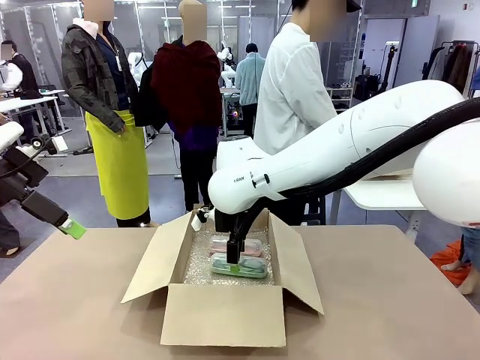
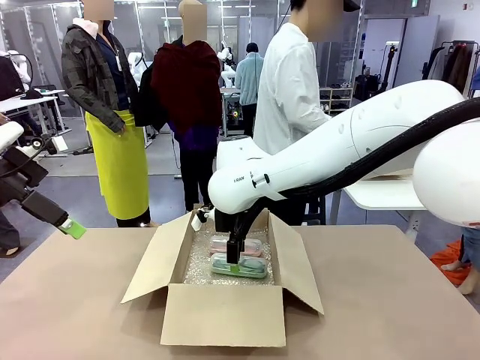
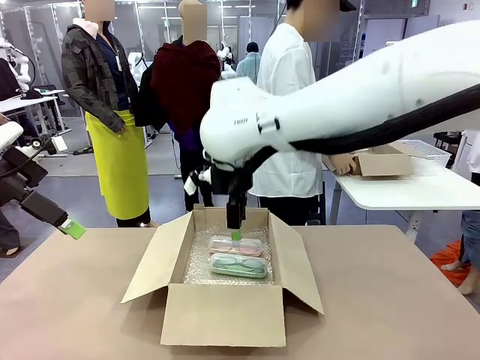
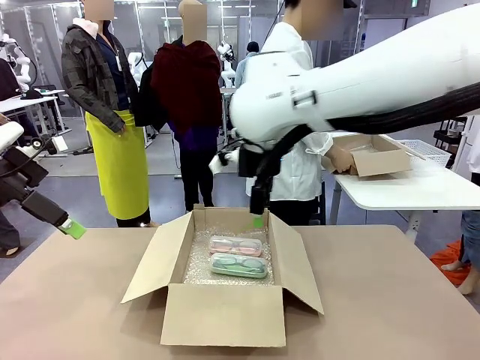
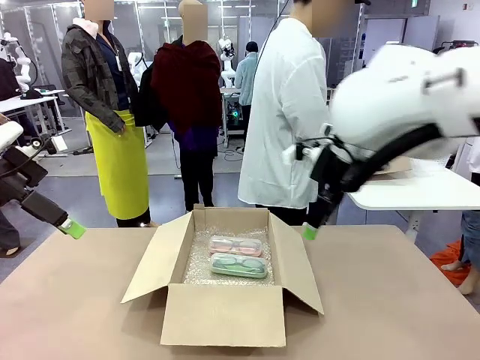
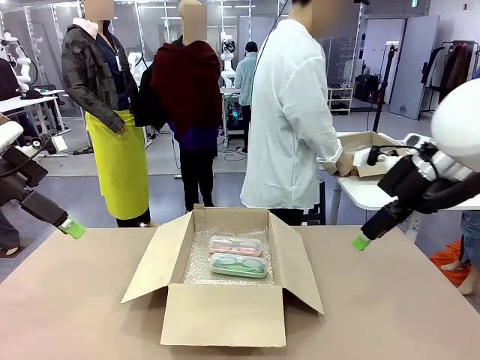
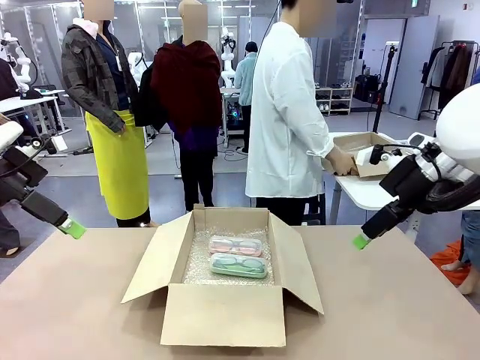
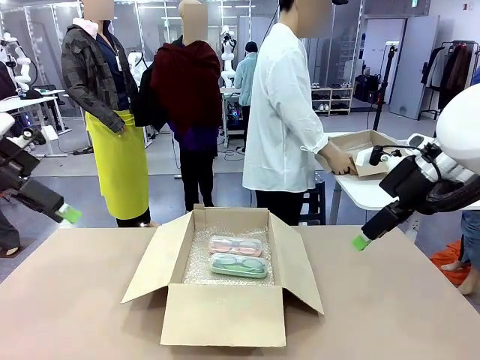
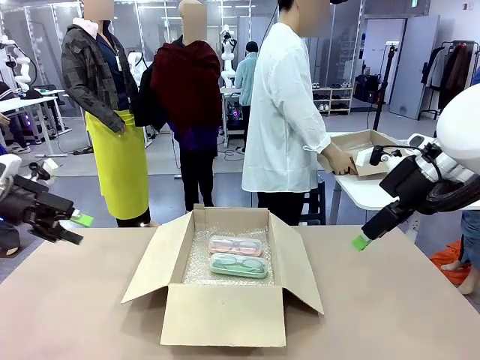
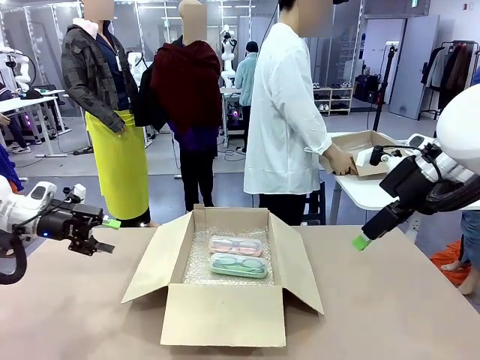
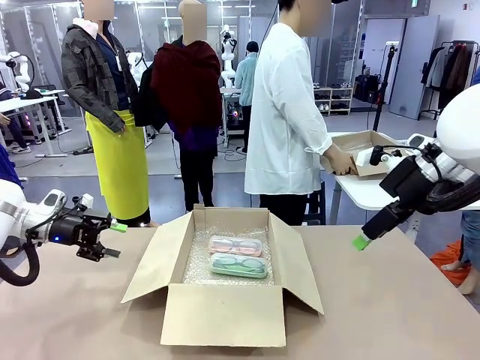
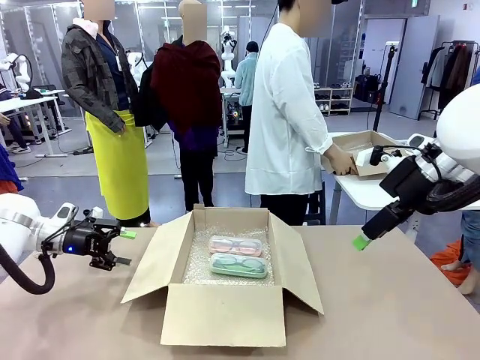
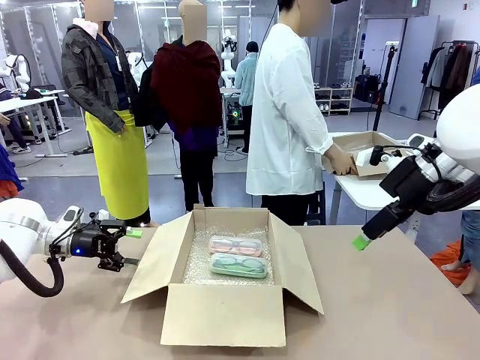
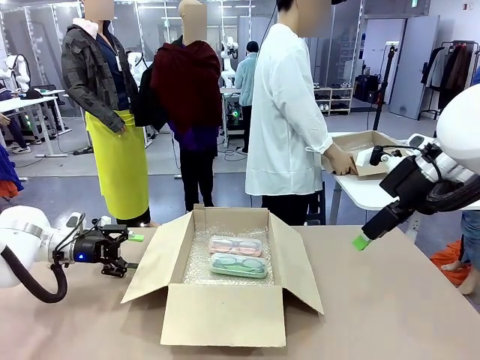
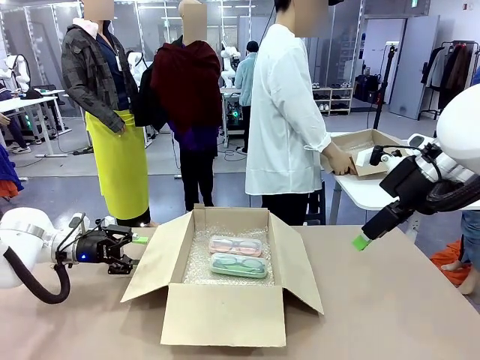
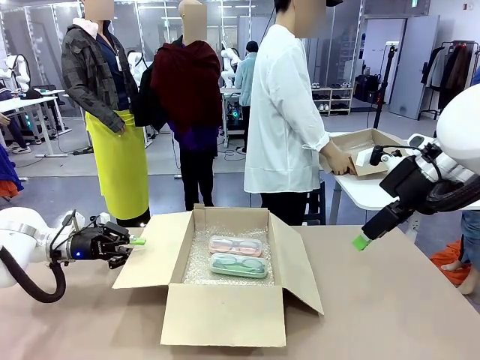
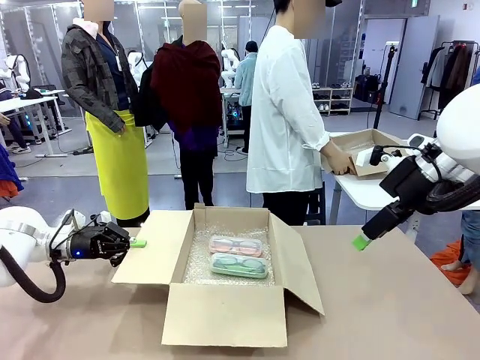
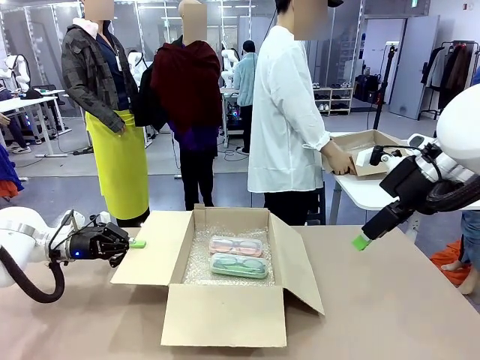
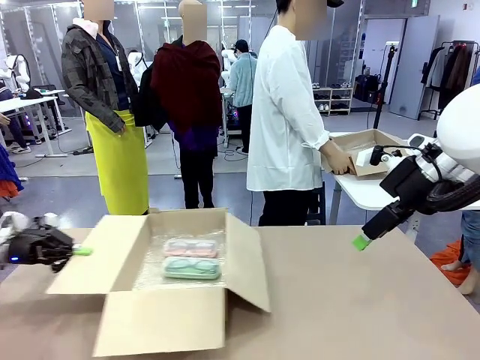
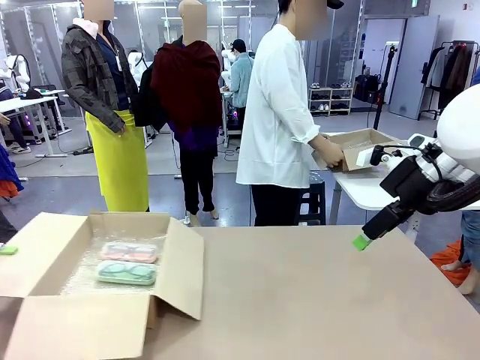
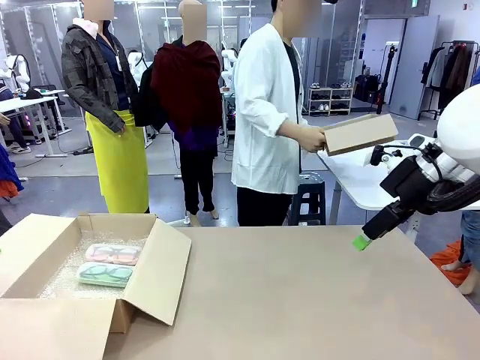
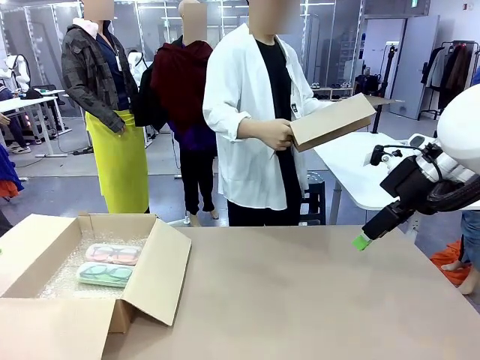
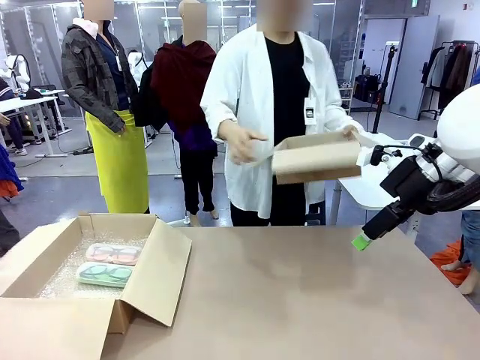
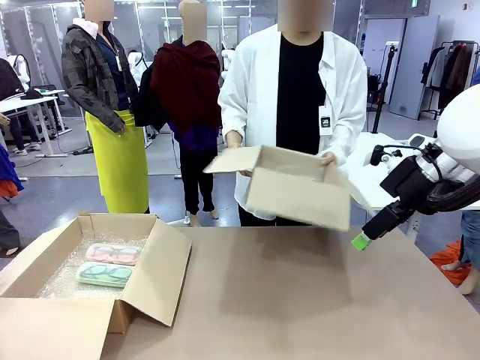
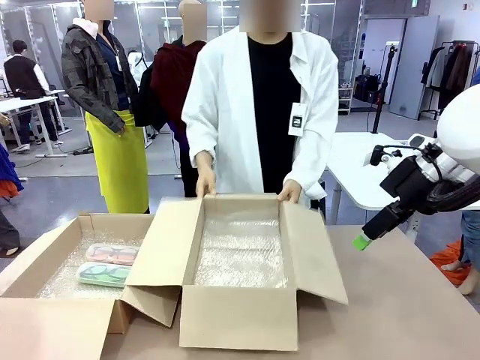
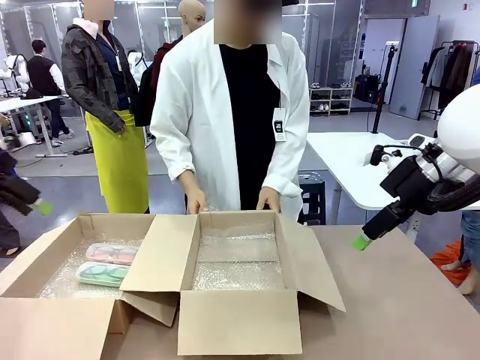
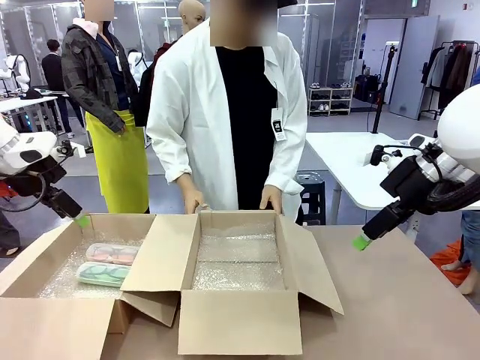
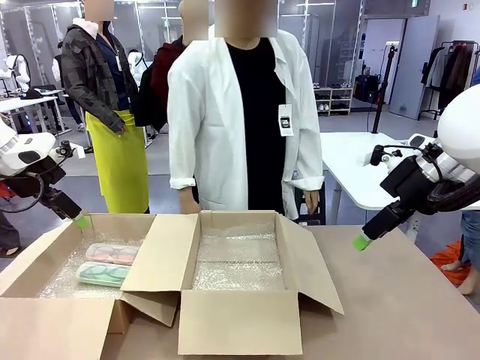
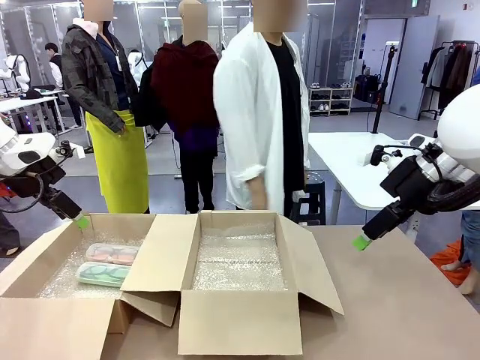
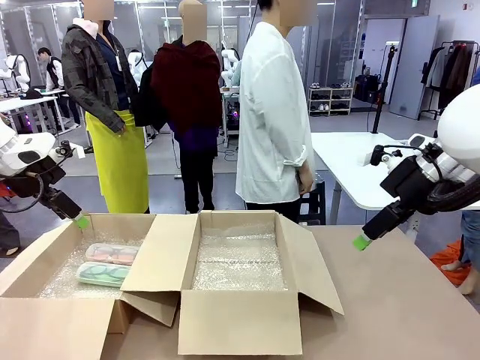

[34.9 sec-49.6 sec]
Task: Pack the glasses set securely to prepare it for shipping.
Robot: Position the Package Box on the left side of the table.
Person: Position the empty Package Box in the middle of the robot's table.

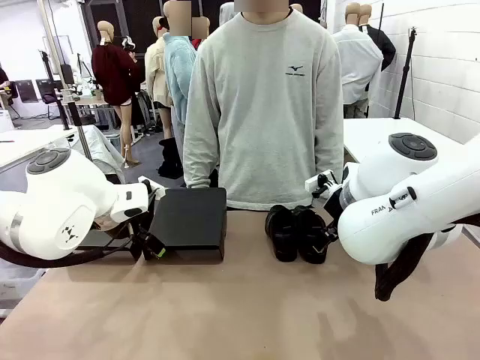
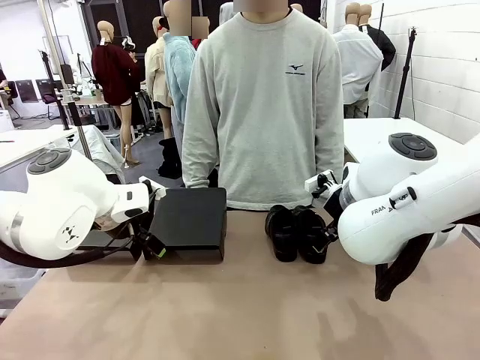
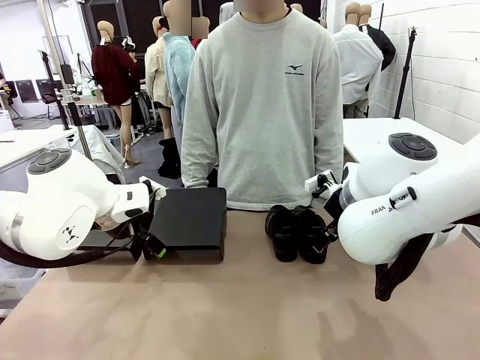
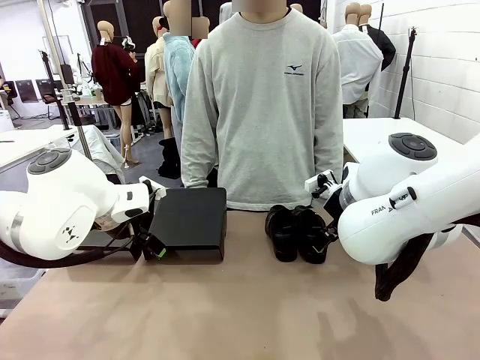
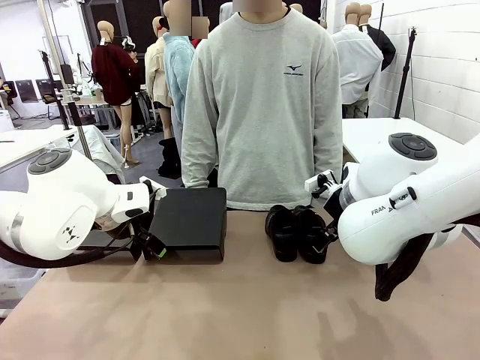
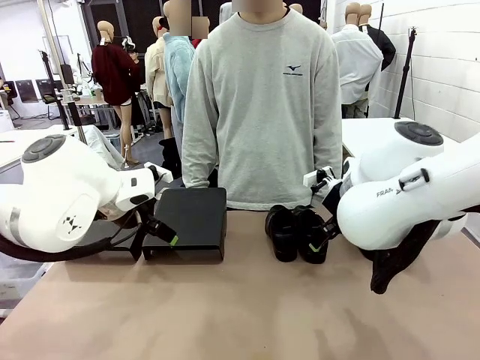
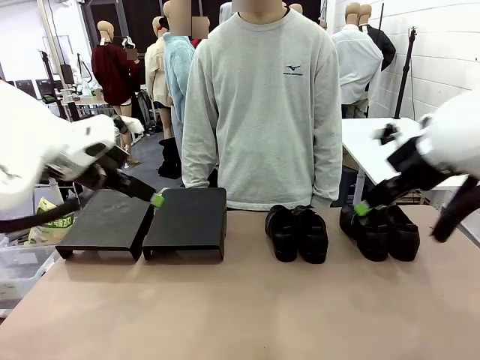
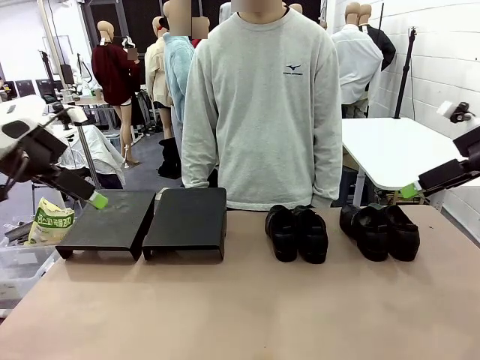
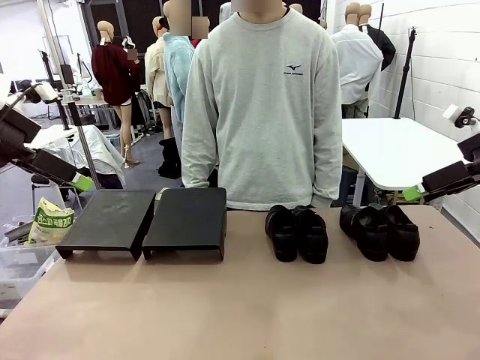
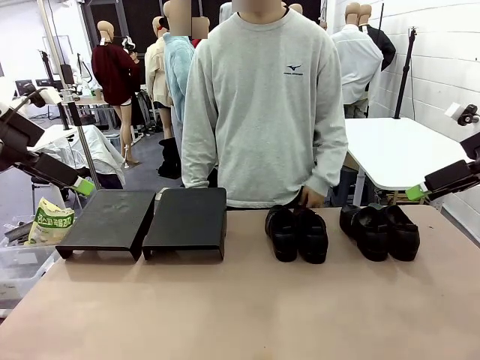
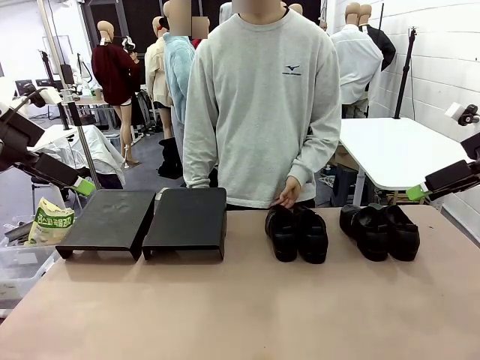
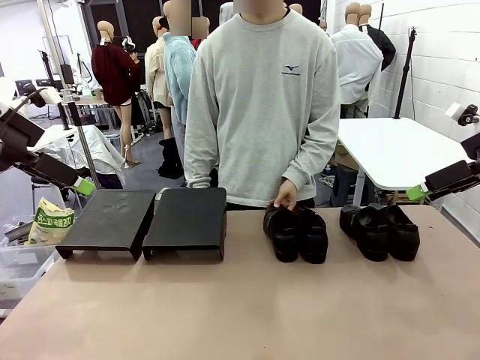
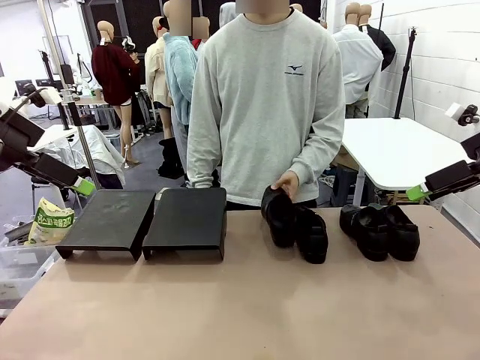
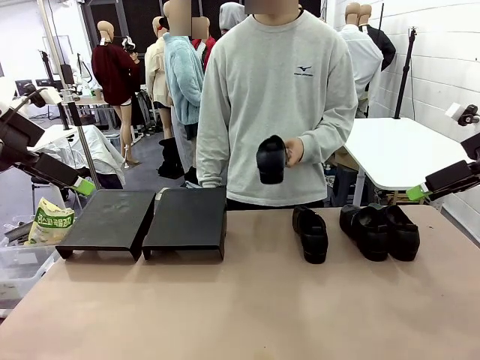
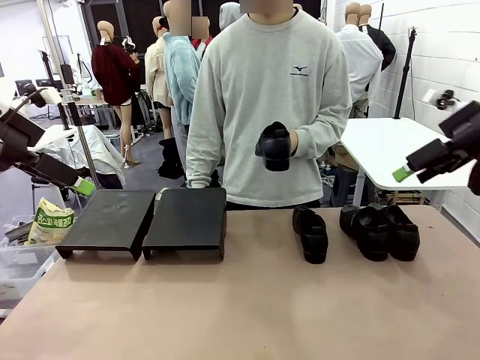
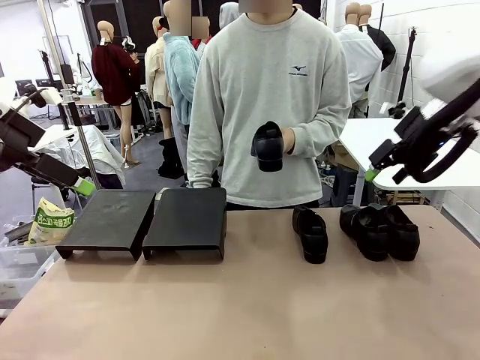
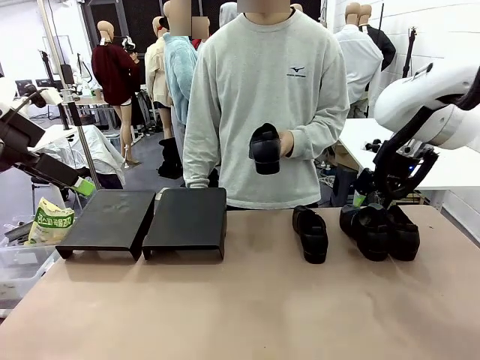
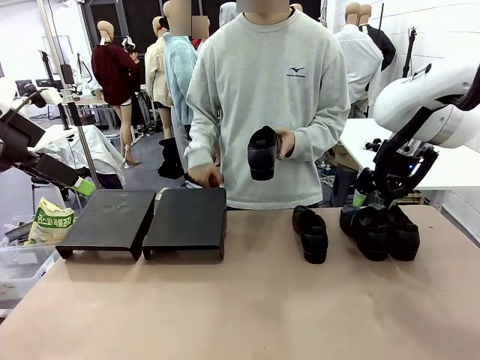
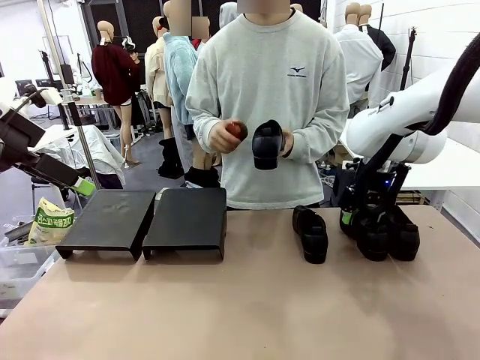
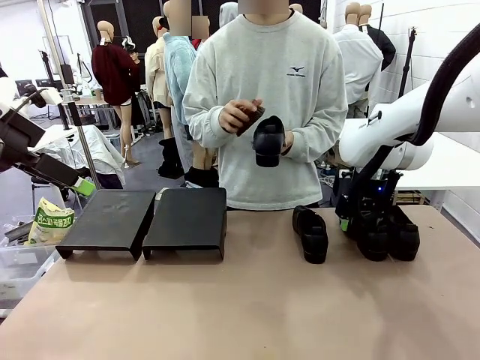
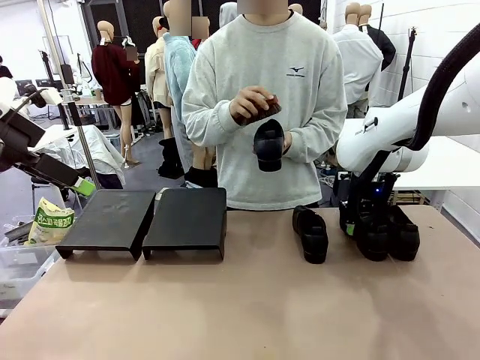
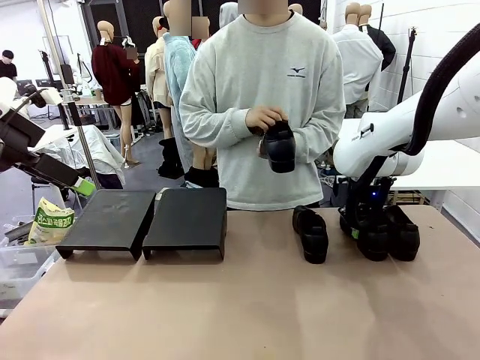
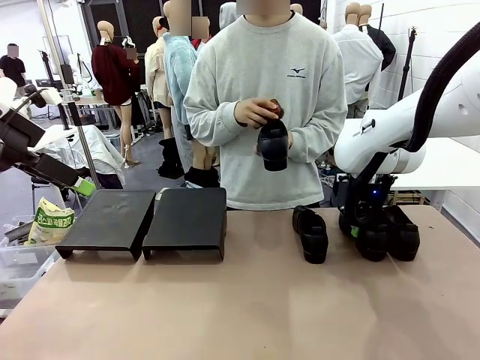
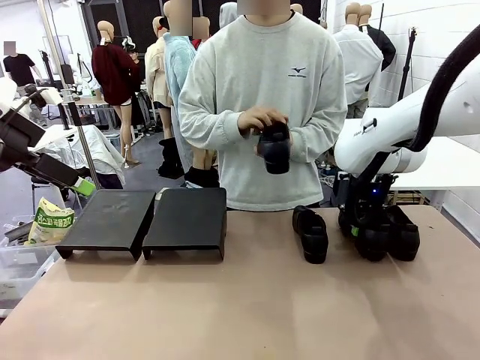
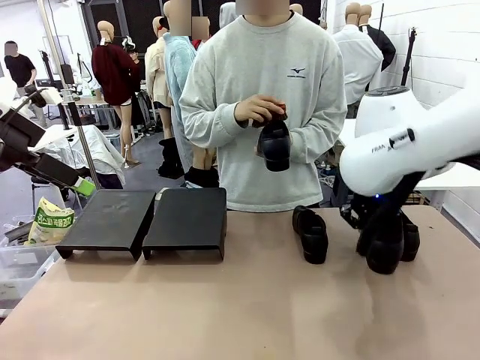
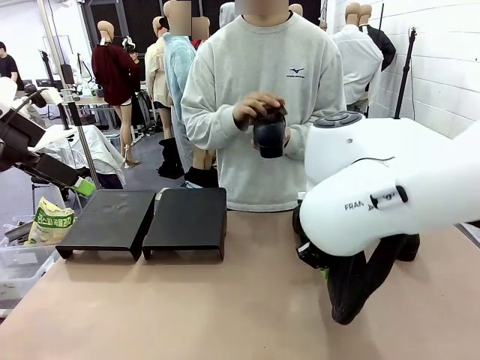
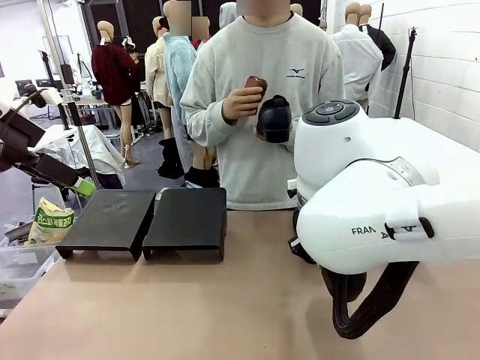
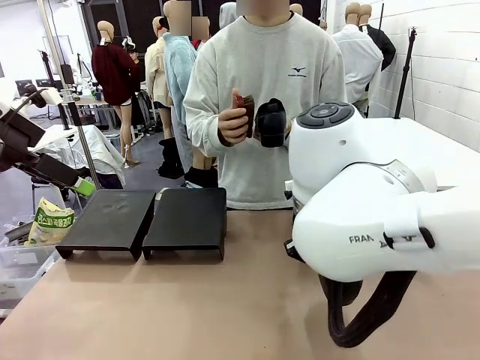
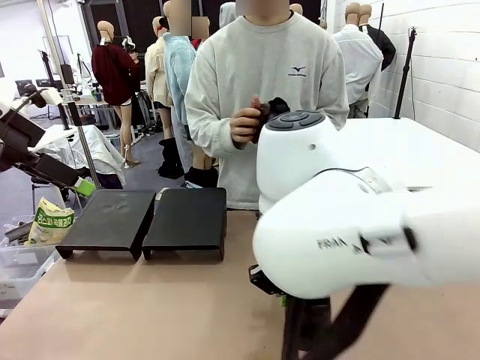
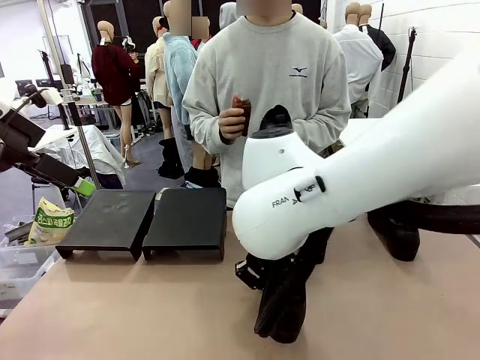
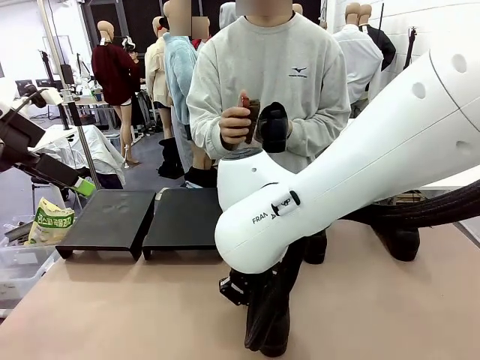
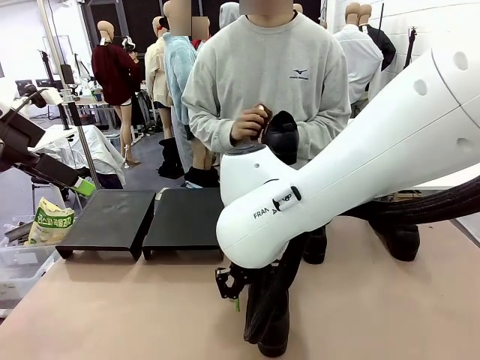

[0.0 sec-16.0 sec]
Task: Organize the shoes by placing them on the stand.
Robot: Pick up one Shoe and place it in the middle of the table.
Person: Pick one Shoe on Robot's table.
